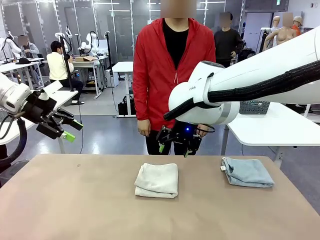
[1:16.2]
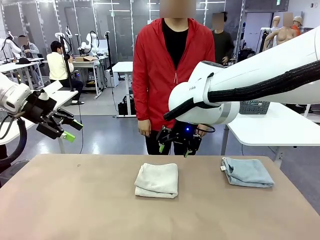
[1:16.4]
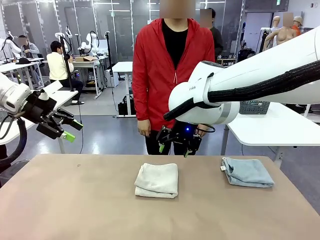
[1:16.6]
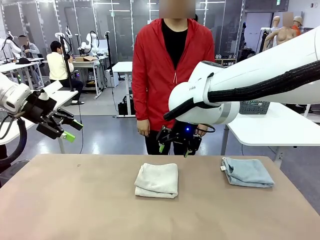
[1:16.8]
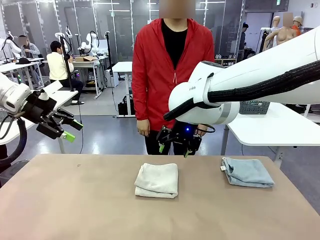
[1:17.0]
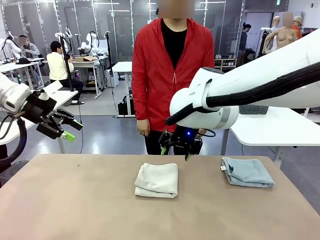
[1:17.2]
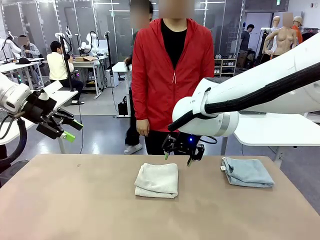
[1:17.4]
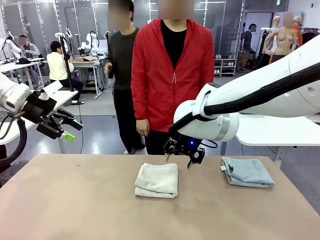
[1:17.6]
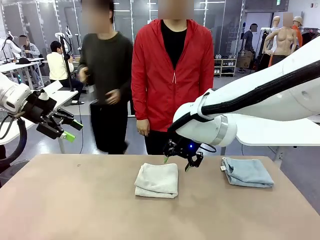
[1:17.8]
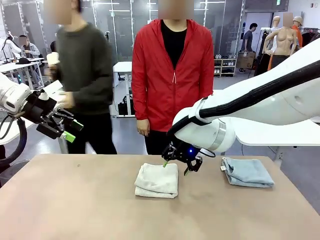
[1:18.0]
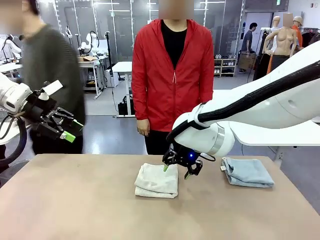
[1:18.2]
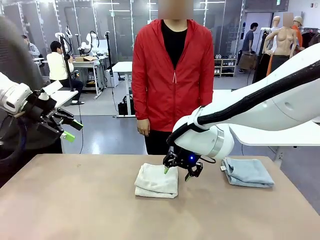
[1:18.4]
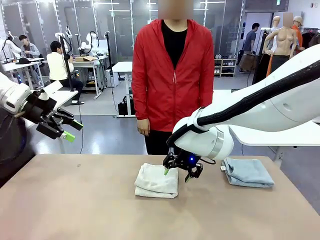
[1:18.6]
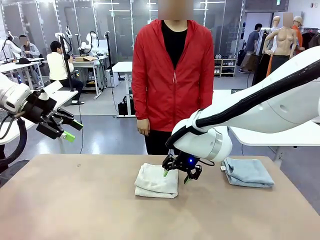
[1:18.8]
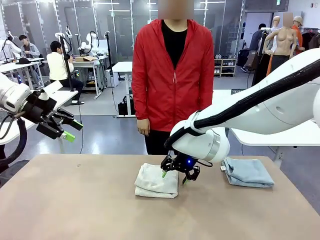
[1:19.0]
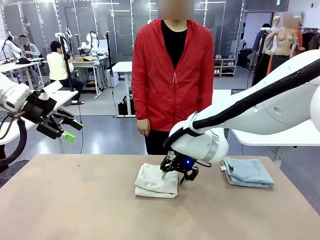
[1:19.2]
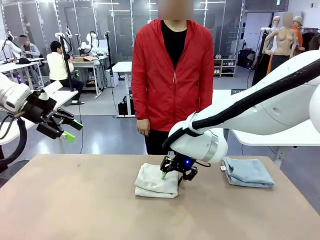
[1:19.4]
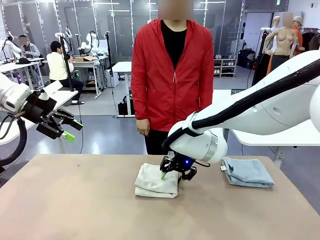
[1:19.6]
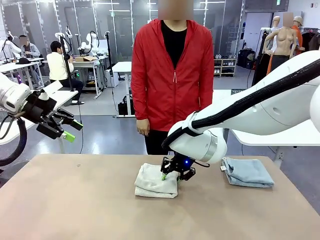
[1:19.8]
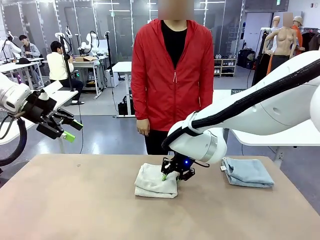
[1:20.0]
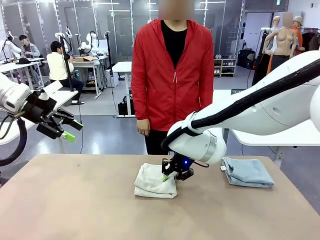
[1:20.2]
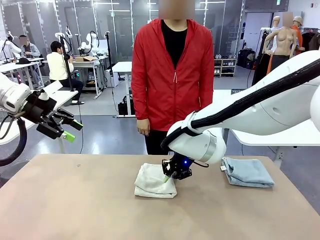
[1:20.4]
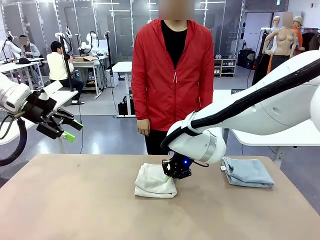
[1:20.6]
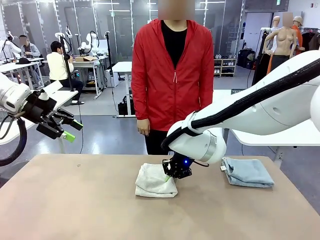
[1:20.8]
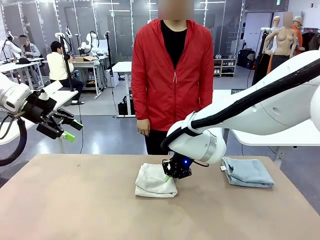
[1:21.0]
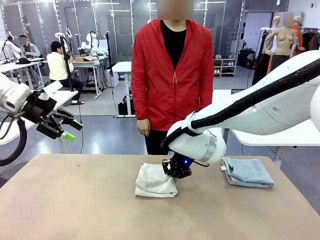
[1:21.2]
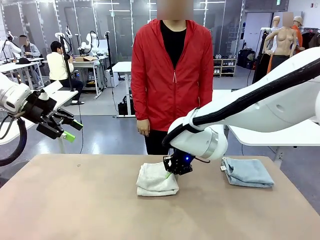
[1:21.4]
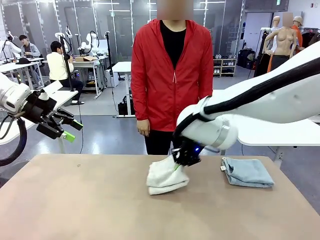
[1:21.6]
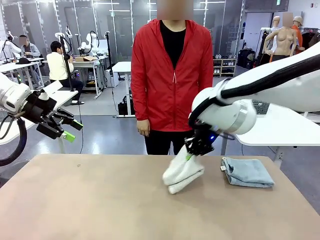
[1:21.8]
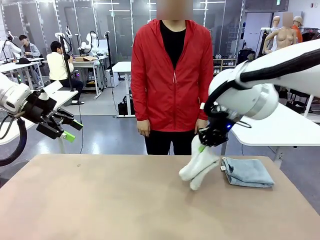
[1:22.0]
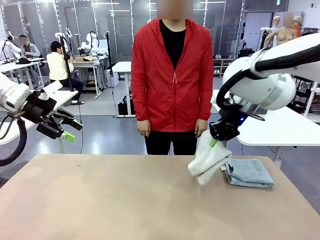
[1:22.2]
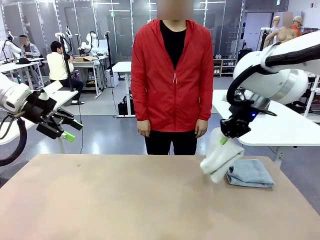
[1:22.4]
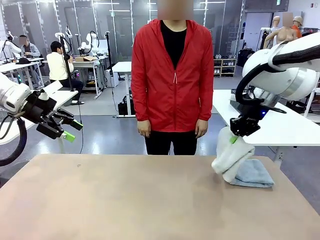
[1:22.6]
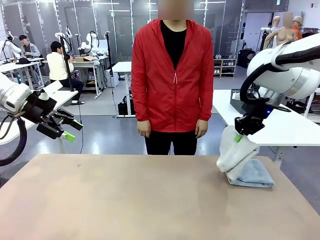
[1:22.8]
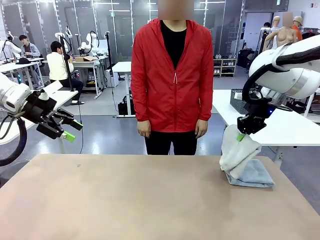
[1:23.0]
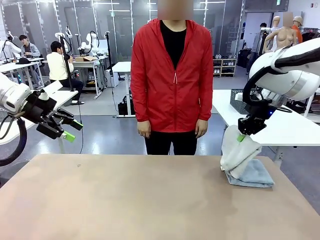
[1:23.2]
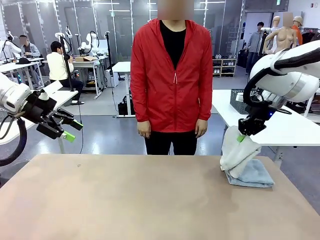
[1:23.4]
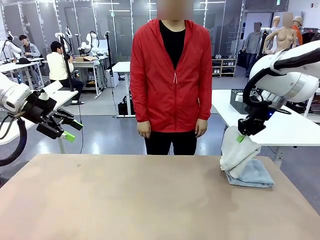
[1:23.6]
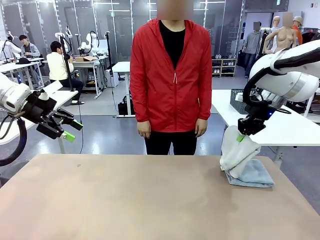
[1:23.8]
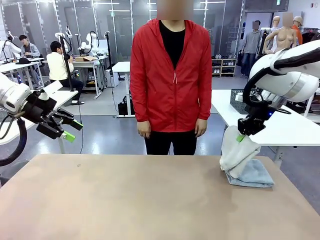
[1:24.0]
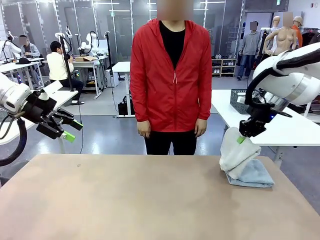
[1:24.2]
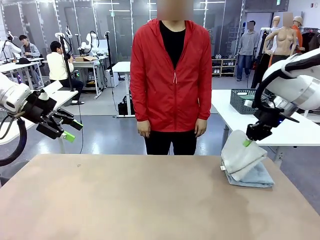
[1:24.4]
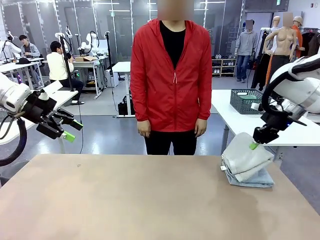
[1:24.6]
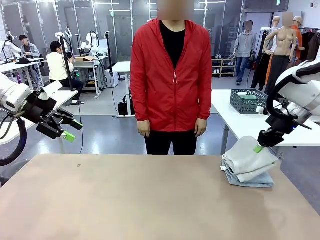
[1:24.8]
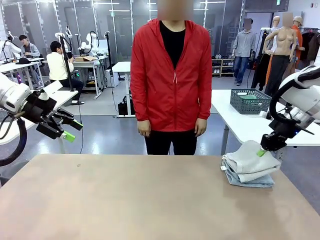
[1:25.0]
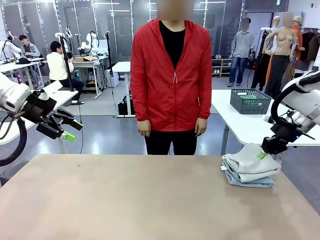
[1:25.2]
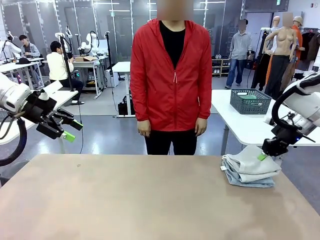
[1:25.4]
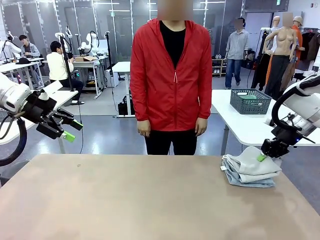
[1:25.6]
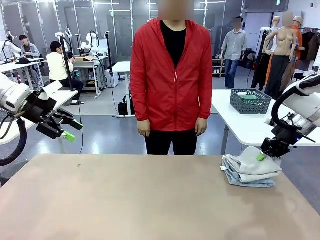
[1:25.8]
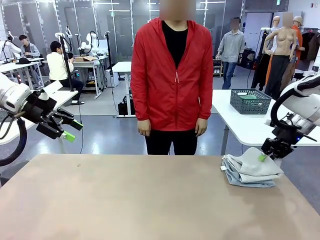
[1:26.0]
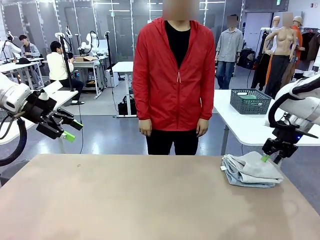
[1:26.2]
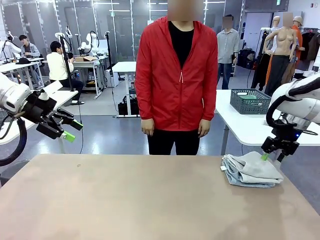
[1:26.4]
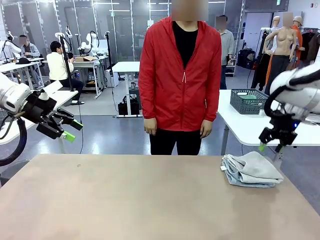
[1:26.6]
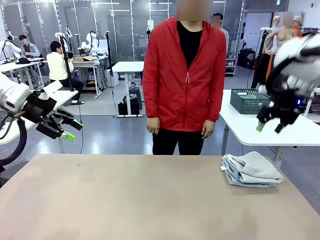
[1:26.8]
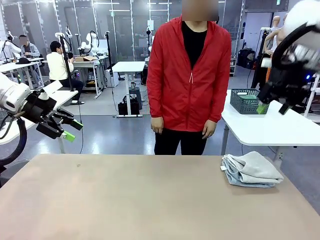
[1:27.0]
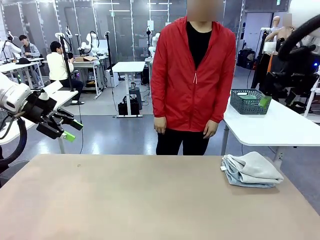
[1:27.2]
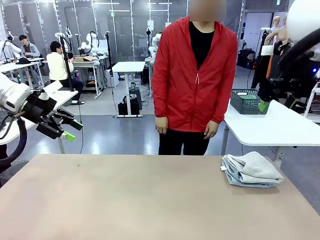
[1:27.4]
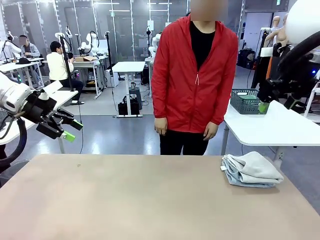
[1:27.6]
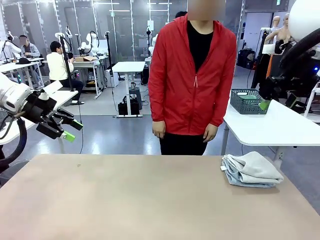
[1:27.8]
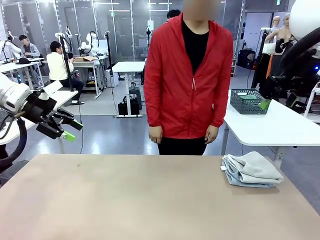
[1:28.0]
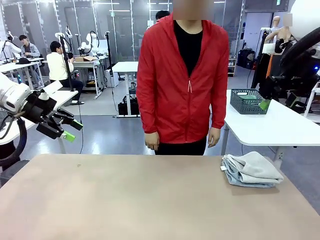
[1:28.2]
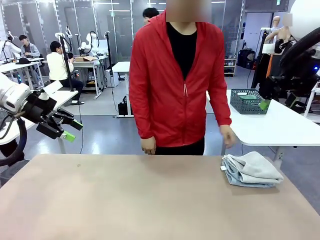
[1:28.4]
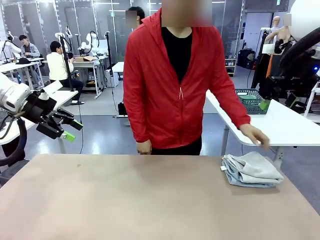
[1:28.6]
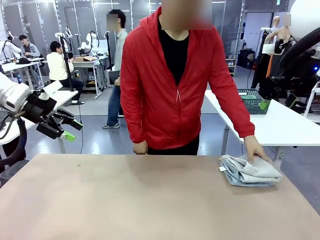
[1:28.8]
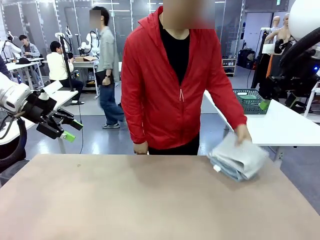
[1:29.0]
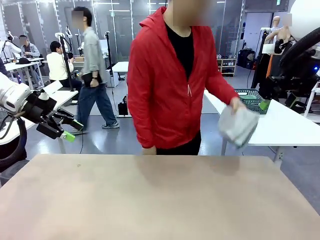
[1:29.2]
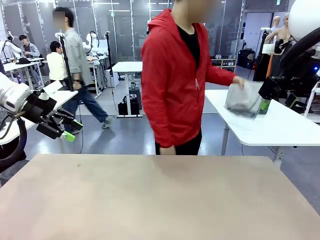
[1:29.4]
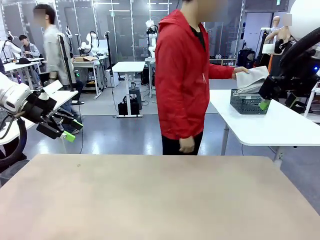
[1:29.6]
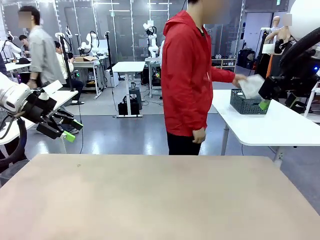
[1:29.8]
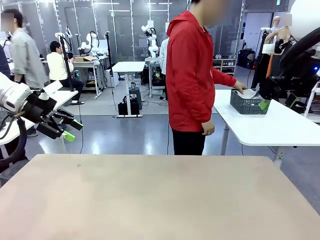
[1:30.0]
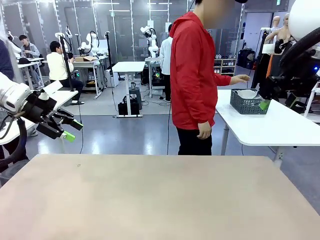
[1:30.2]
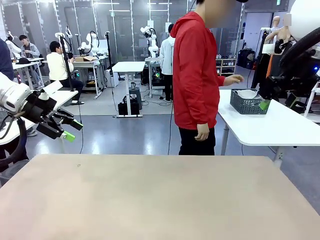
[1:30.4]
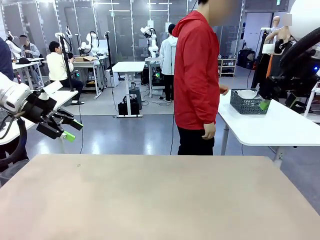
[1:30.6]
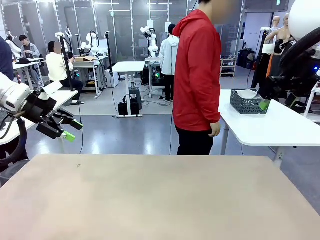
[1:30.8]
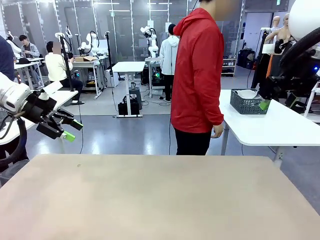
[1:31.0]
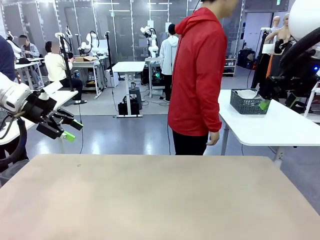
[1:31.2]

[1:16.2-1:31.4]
Task: Fold the towels and place them in the basket.
Robot: Stack the folded Towel with hook on the right side of the table.
Person: Pick up the stack of towels from the robot table and place it into the basket.
